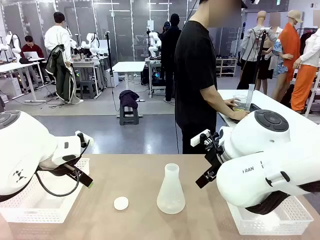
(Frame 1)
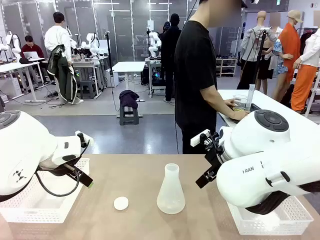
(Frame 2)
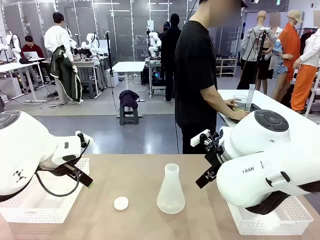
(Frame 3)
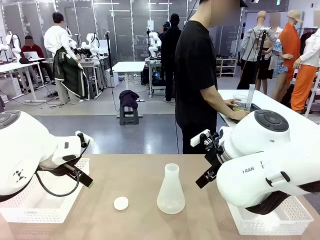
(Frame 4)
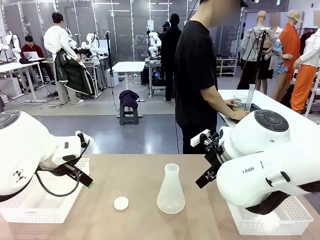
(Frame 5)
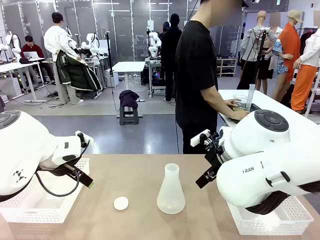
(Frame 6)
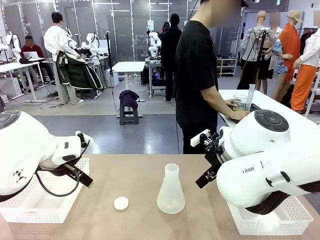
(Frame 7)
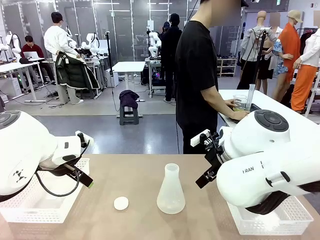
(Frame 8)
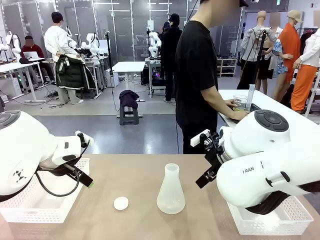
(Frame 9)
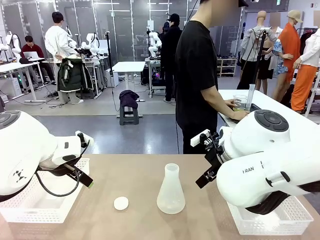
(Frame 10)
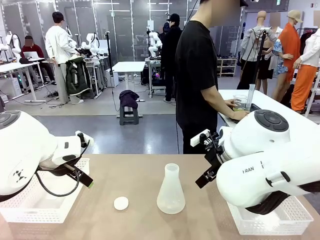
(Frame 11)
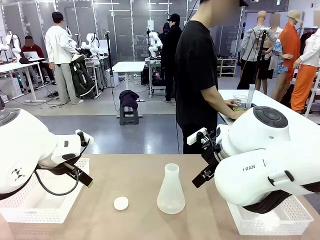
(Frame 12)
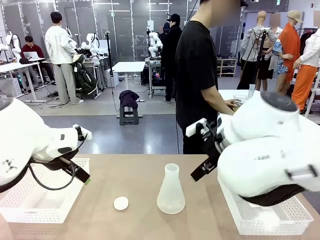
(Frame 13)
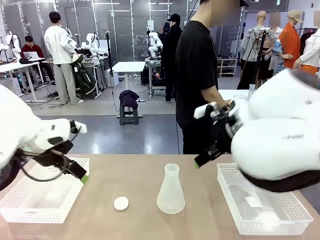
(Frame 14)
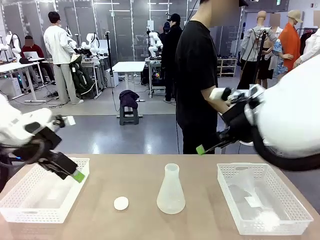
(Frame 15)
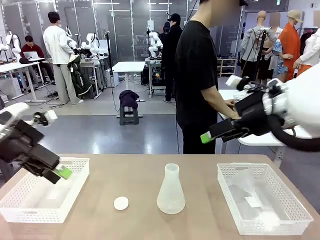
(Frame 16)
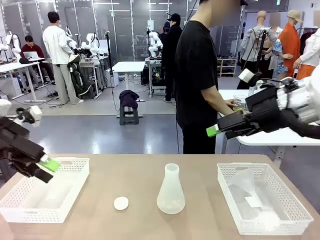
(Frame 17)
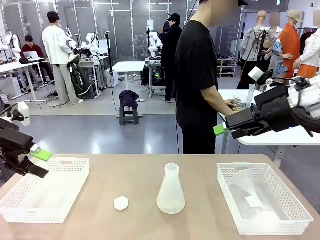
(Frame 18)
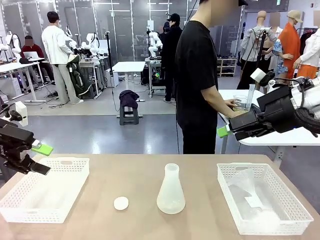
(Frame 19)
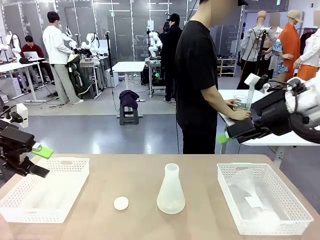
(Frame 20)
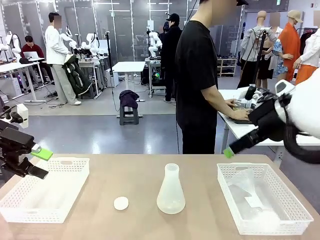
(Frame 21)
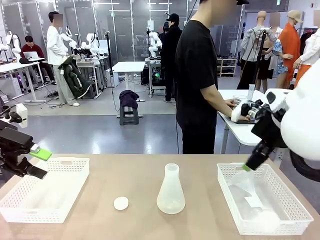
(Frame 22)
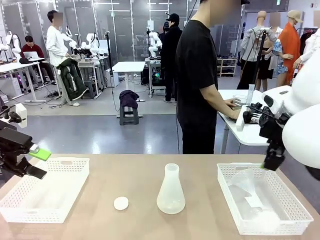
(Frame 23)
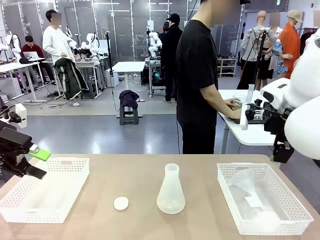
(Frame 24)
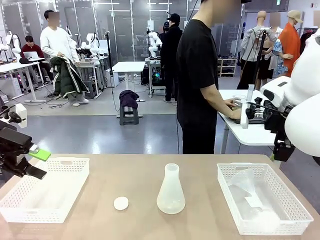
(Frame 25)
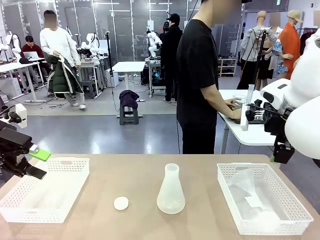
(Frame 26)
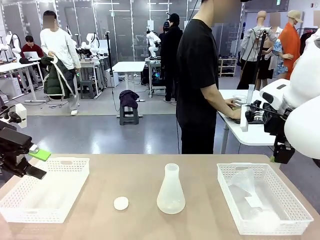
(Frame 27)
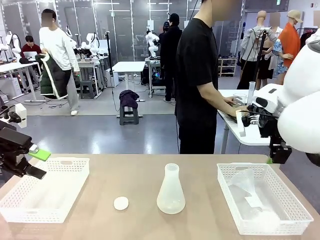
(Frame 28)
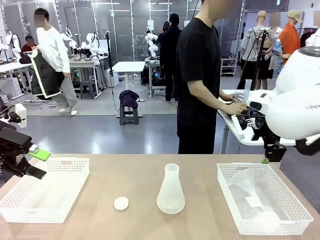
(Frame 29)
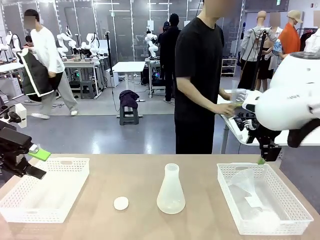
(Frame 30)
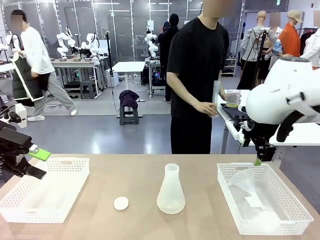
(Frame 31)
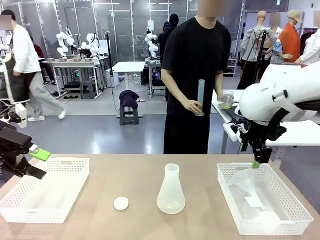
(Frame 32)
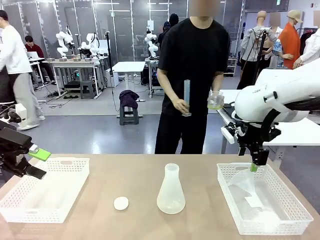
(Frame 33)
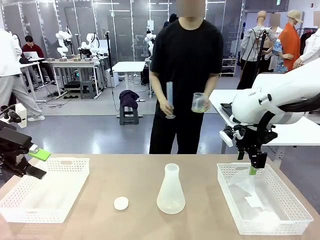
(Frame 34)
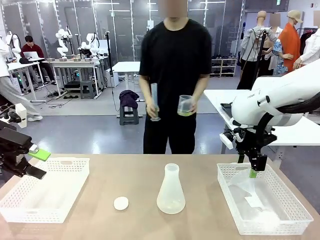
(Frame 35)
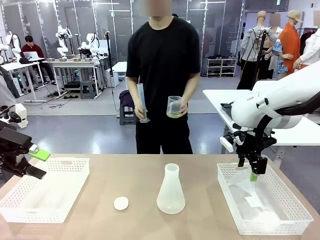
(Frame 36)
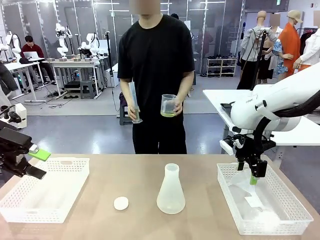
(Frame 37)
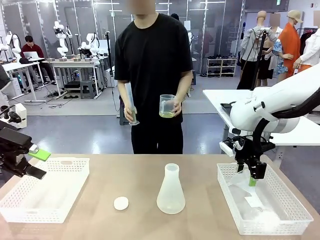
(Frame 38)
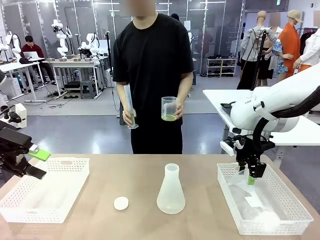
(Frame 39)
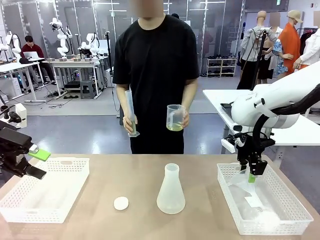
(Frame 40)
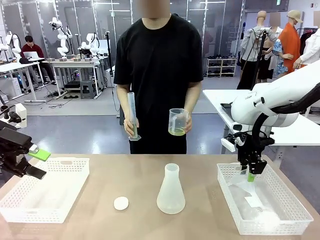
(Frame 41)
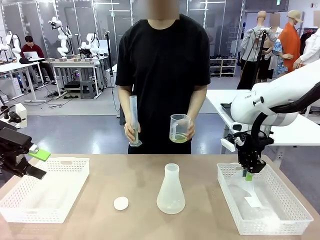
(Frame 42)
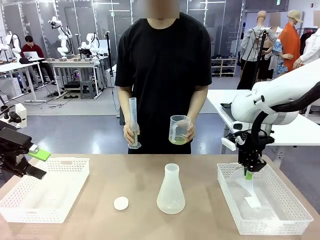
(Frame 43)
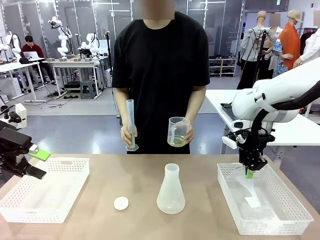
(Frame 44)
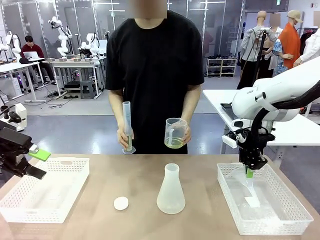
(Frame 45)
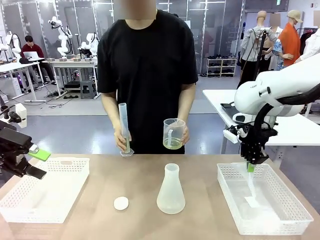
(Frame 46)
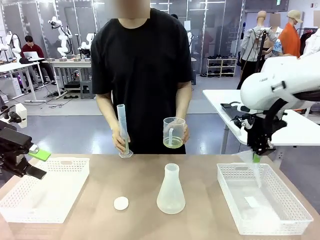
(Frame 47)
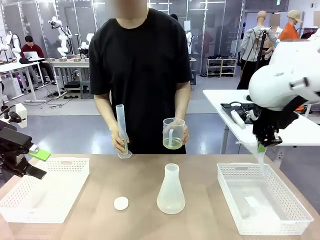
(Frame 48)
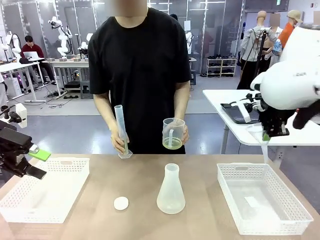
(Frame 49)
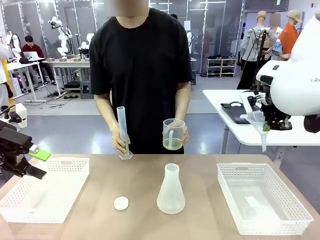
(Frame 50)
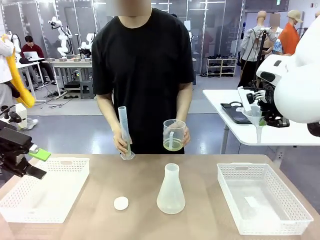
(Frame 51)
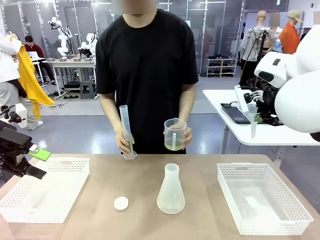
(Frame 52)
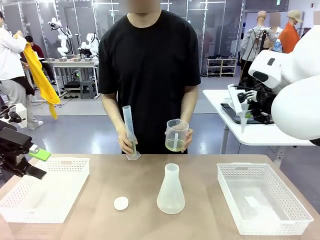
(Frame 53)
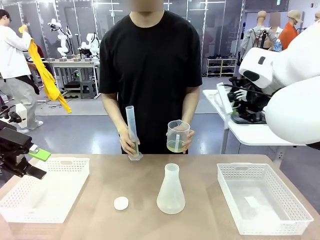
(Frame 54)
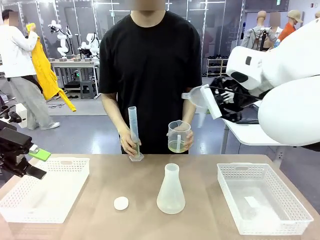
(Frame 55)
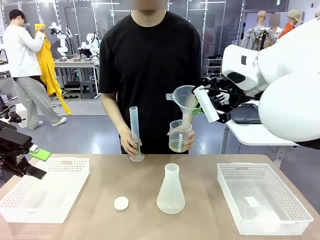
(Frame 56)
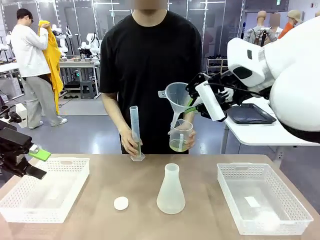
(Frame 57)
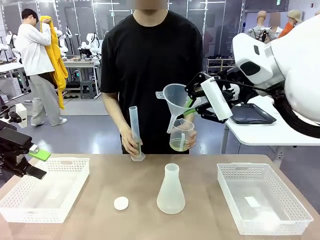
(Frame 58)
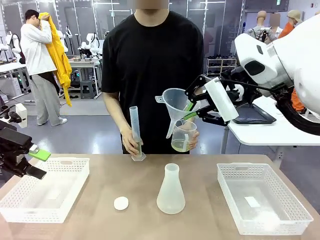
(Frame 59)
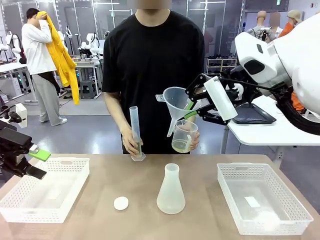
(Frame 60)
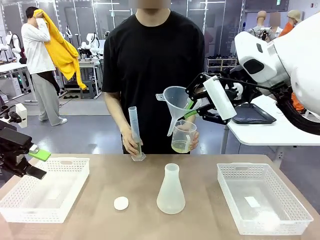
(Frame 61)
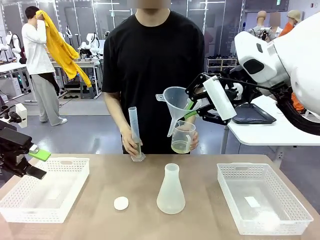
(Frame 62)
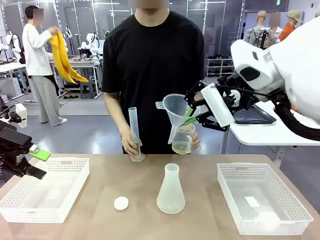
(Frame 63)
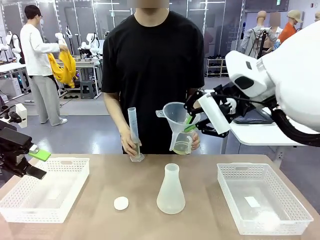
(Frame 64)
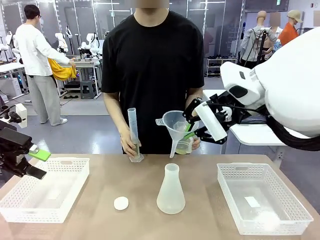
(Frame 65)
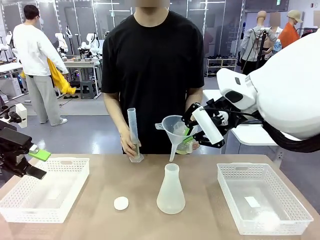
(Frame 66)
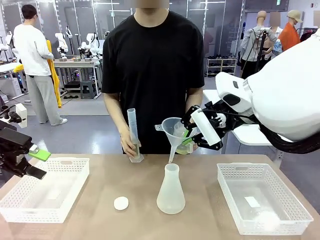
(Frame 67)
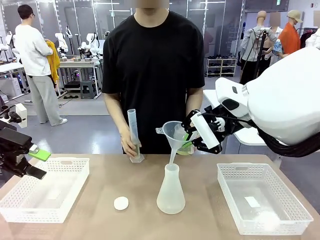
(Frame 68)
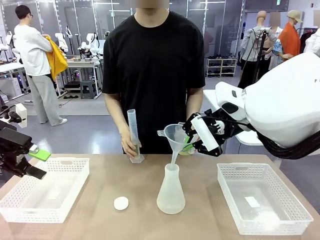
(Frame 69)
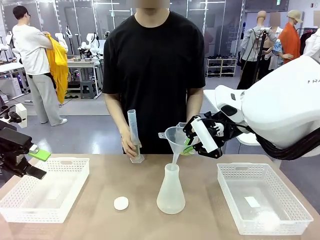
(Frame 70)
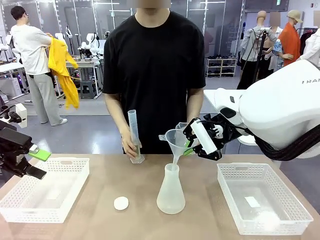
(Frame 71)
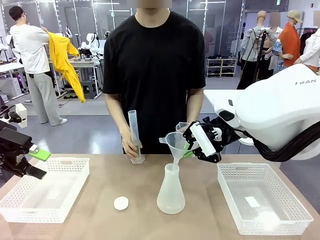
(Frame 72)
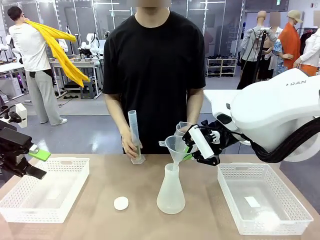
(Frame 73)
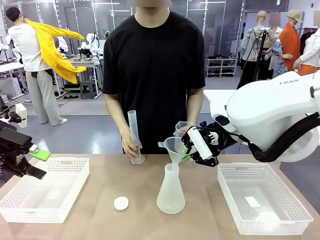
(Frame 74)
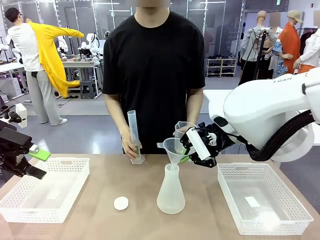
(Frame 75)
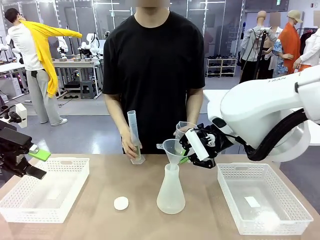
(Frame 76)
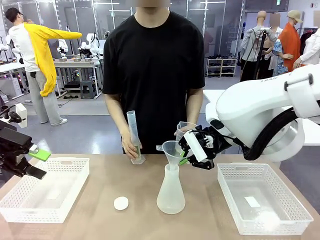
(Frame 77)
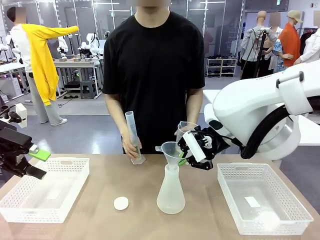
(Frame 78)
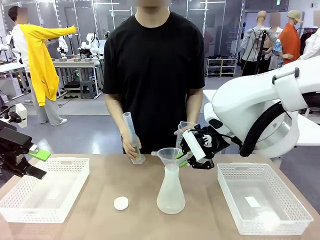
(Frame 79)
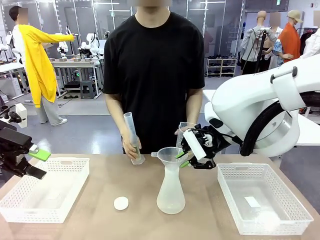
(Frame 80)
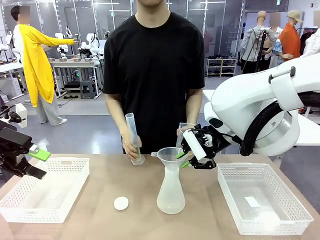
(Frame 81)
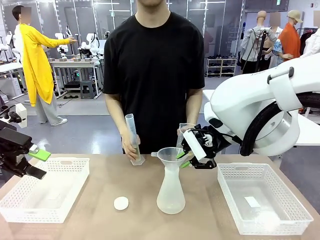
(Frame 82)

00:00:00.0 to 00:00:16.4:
Task: Prepare the solutions needed for the experiment.
Robot: Pick up the Plastic Funnel and insert it into the Big flask.
Person: Pick up the beaker and the cylinder and move to the middle of the robot table.
